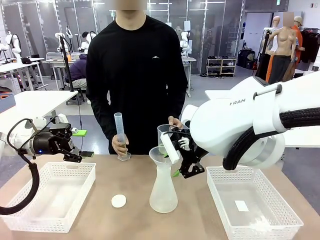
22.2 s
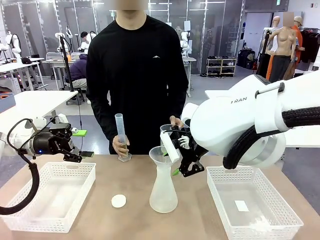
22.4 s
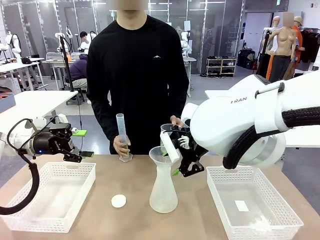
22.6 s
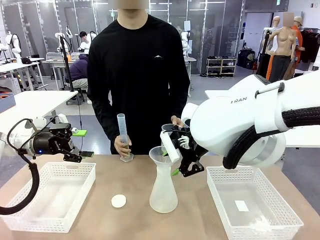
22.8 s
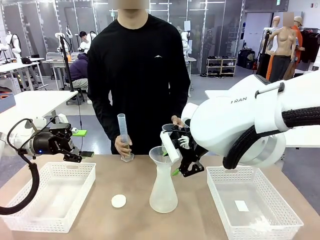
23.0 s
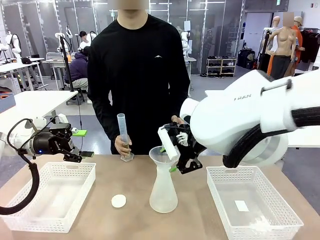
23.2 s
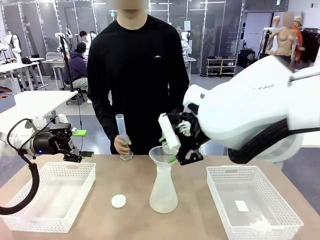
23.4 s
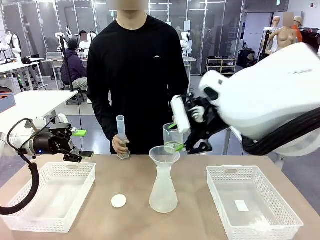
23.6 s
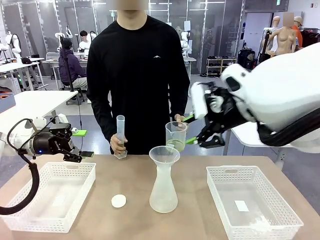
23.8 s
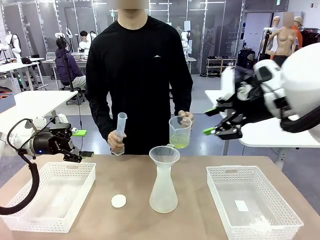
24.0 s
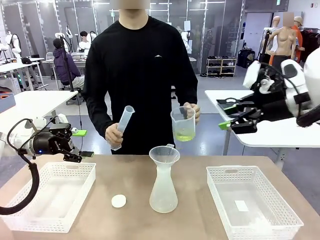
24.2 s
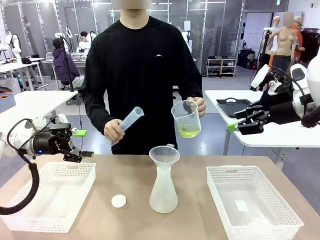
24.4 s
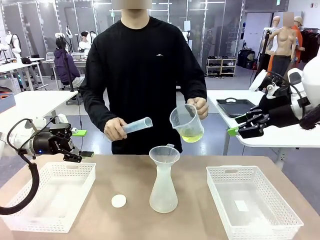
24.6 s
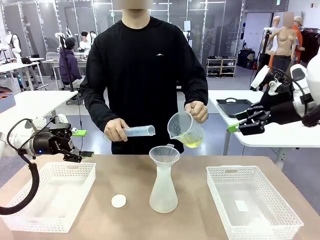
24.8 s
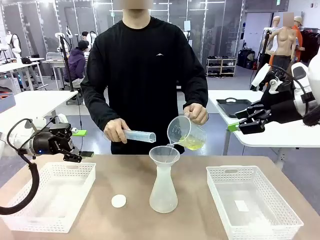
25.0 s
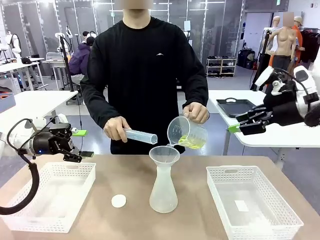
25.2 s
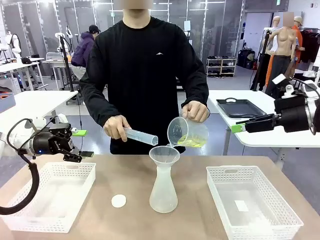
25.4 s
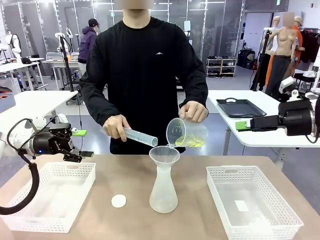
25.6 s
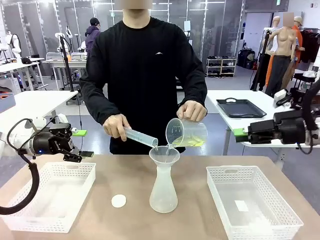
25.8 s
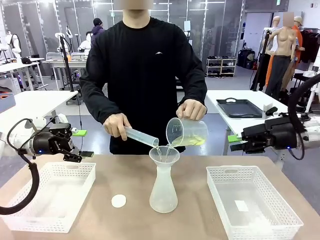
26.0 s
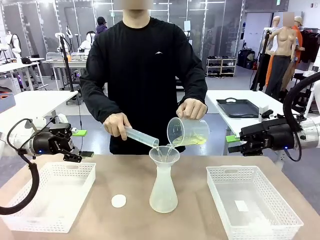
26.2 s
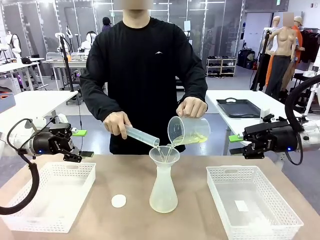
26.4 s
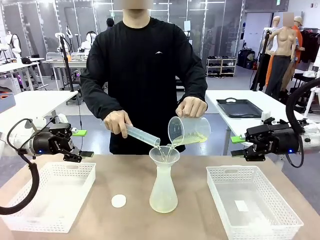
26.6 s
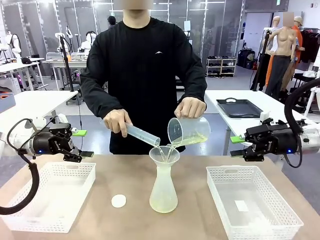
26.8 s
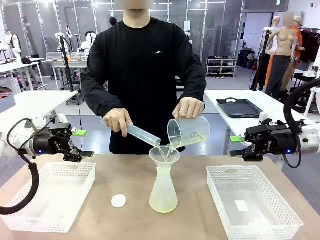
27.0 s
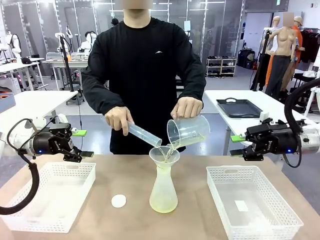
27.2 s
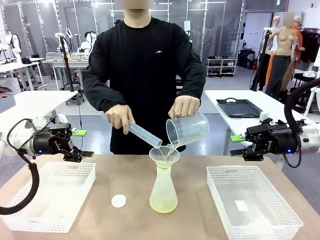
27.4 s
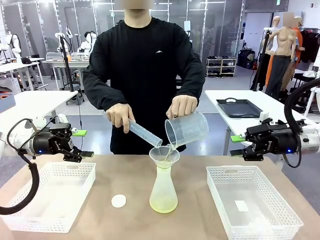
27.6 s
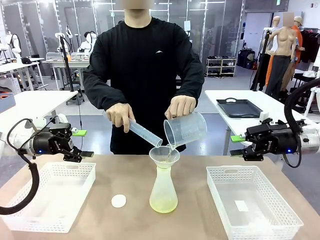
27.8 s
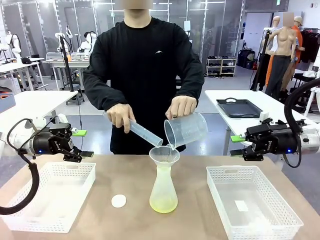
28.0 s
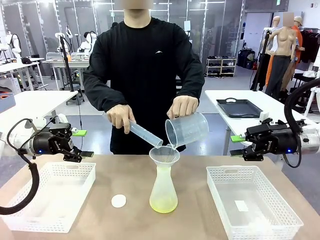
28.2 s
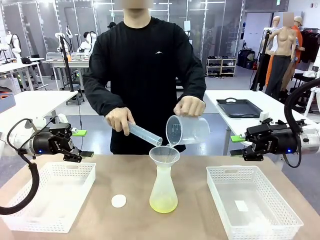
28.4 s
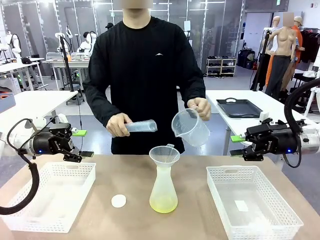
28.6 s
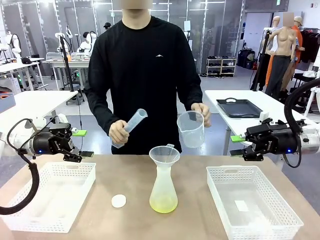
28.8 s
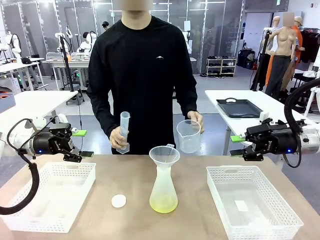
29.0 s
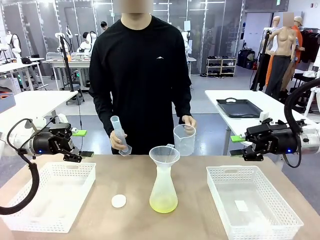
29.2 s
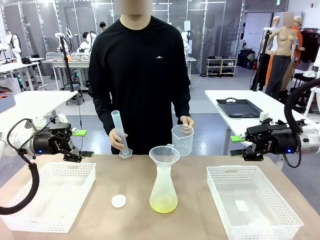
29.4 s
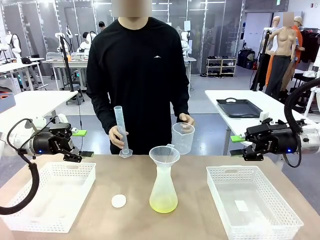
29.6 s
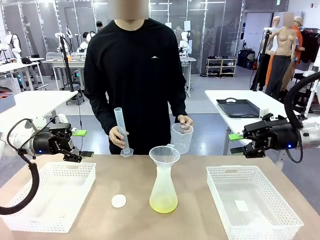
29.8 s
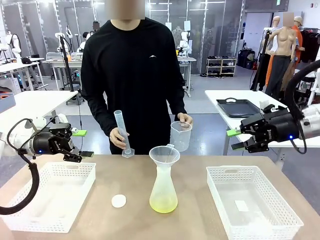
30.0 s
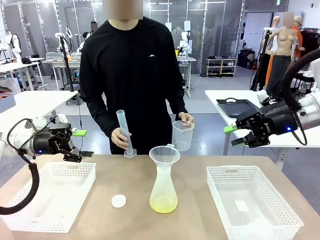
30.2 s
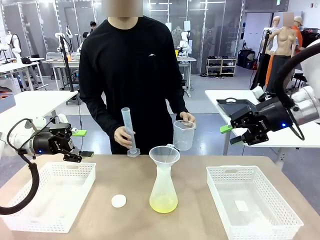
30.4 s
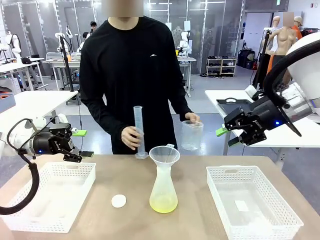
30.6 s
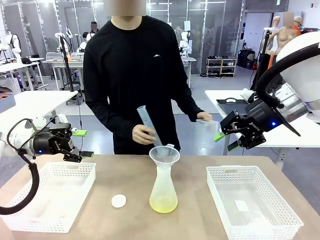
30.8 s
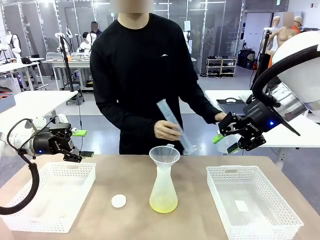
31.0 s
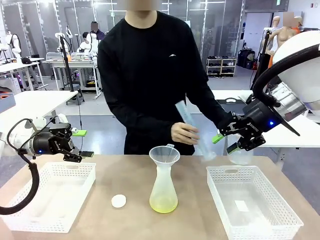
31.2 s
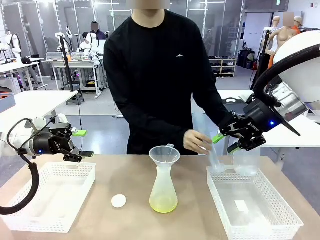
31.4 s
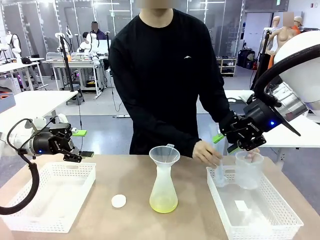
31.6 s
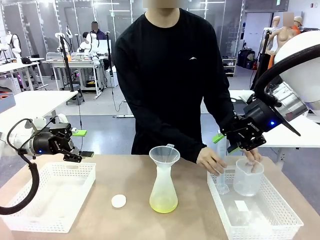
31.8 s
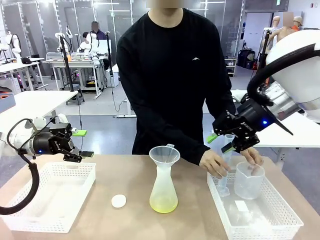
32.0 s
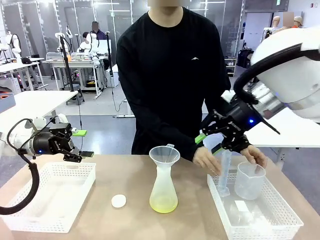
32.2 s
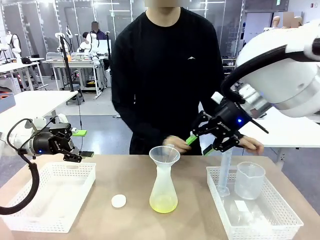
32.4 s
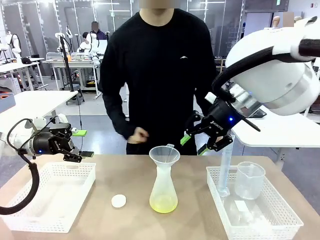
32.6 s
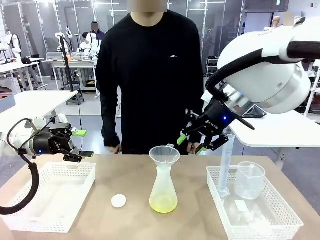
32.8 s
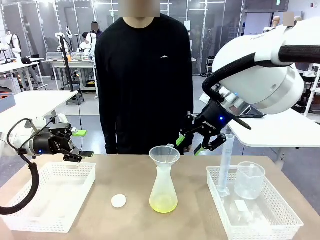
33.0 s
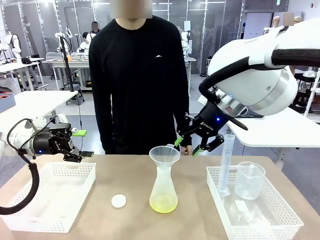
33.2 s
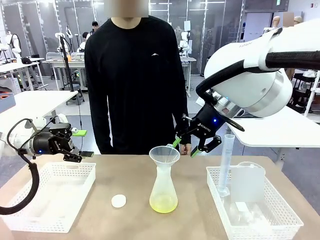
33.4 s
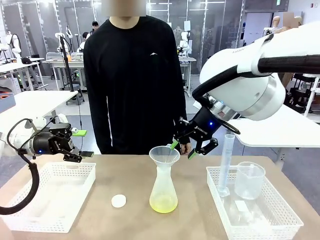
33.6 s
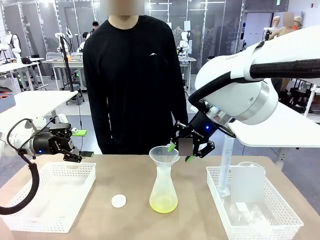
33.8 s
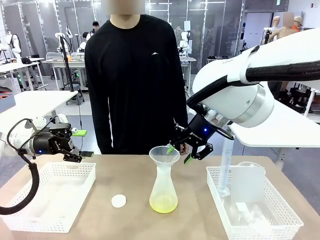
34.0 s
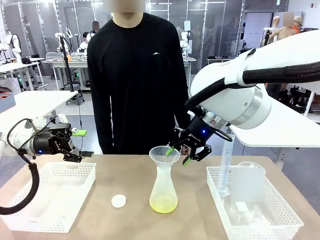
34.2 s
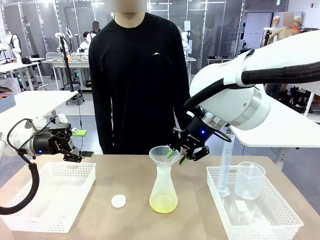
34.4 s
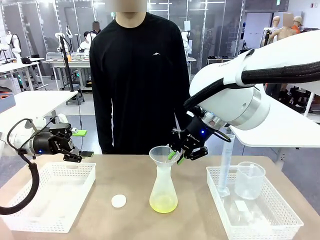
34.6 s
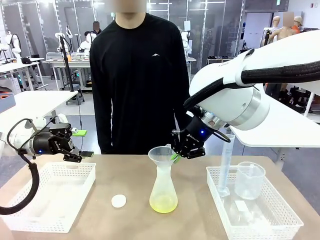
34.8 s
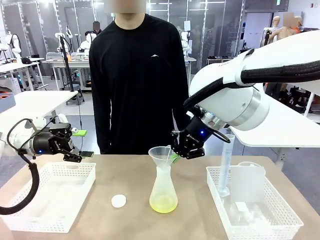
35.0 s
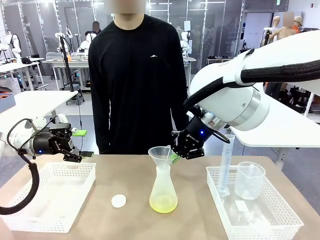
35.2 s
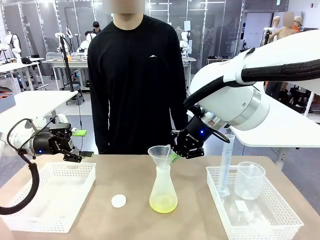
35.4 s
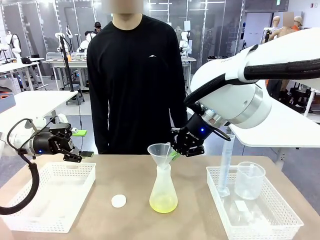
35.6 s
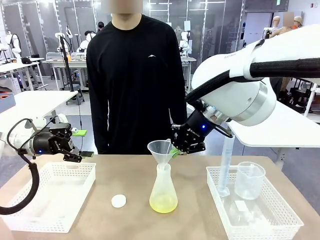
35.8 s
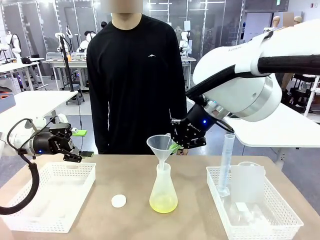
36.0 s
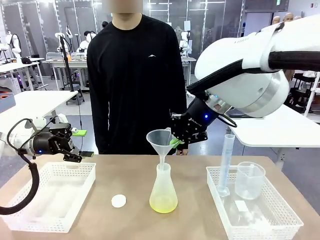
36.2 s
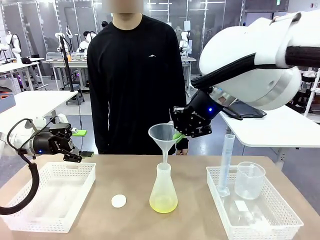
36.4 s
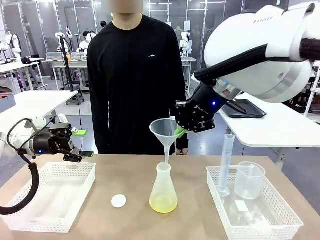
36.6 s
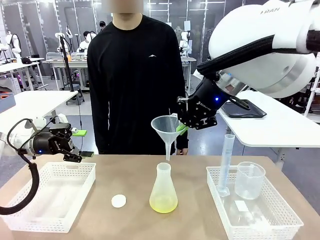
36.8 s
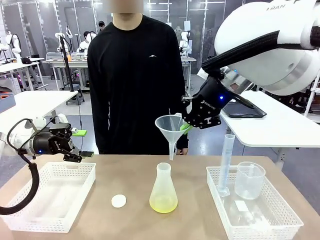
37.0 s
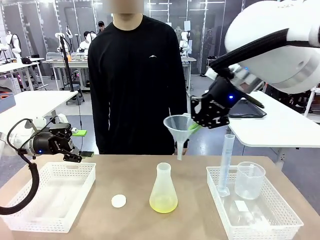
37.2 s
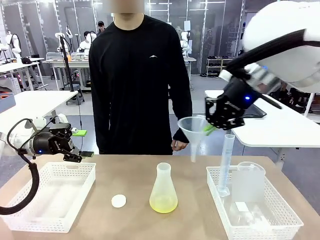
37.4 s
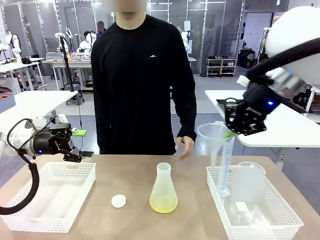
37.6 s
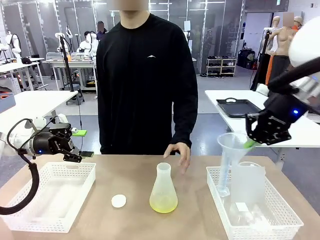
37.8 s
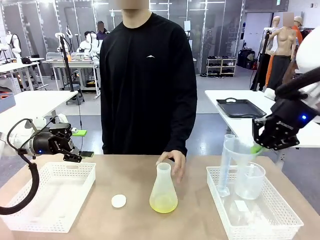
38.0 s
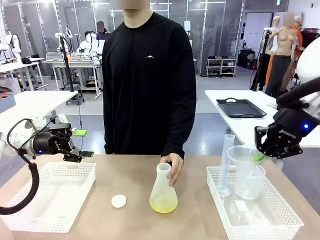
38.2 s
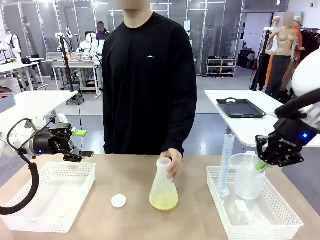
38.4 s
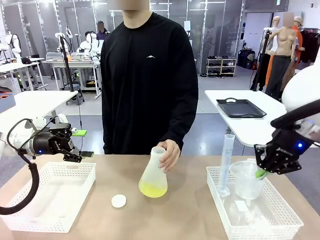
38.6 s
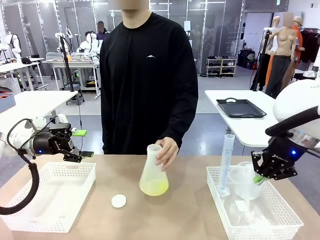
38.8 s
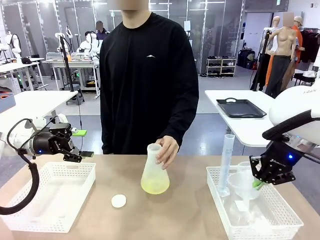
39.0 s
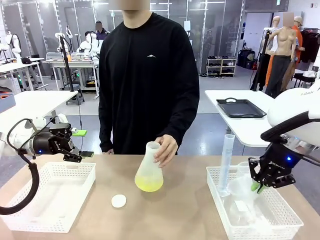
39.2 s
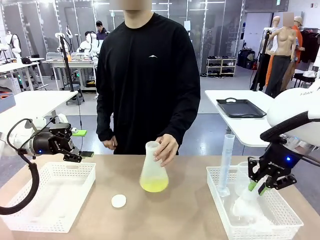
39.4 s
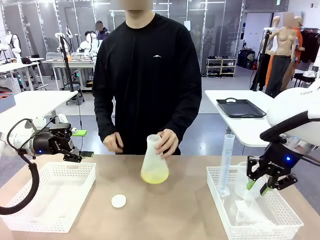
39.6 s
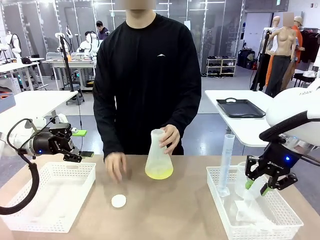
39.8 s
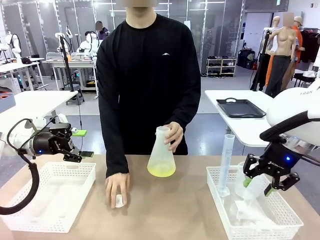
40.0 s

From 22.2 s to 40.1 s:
Task: Prepare the solutions needed for the experiment.
Robot: Once the solution is in the Big flask , pick up the Plastic Funnel and place it back into the right Organizing basket.
Person: Place the beaker and the cylinder into the organizing basket on the left side. Pick up the flask, gently shake it 2–3 times, place it in the middle of the robot table, and close the lid.
